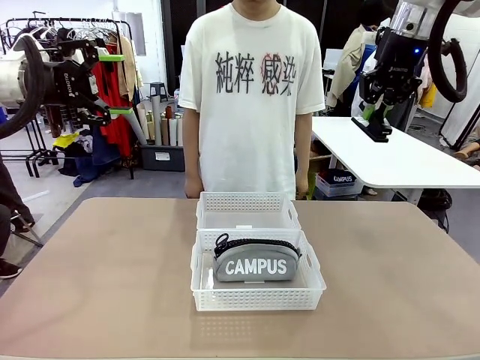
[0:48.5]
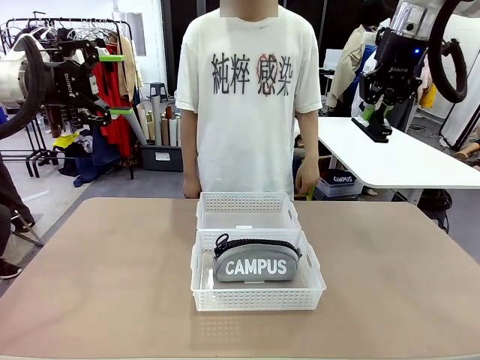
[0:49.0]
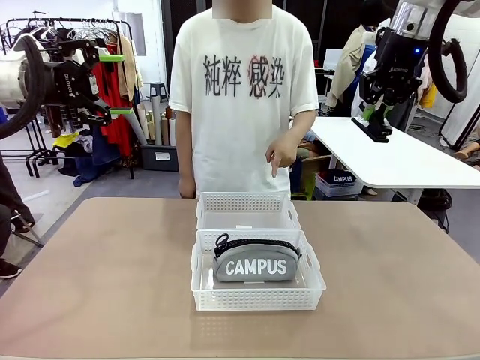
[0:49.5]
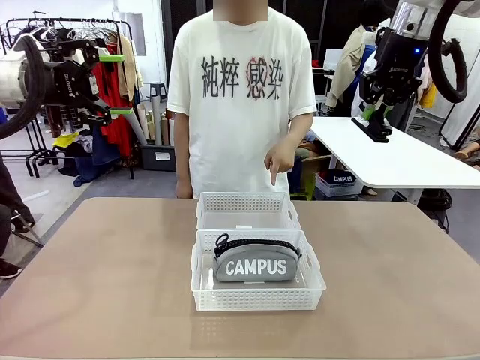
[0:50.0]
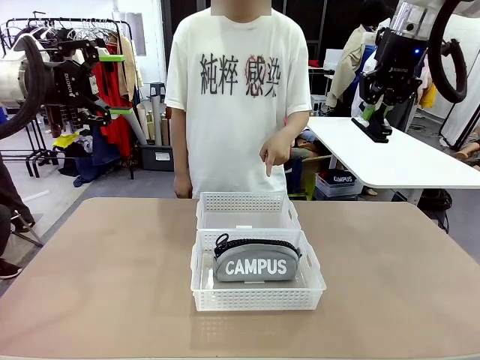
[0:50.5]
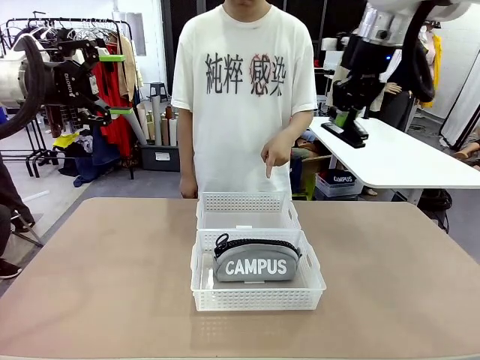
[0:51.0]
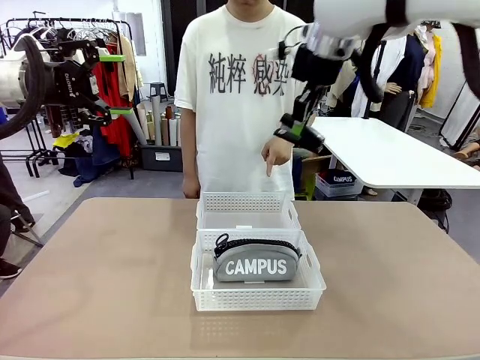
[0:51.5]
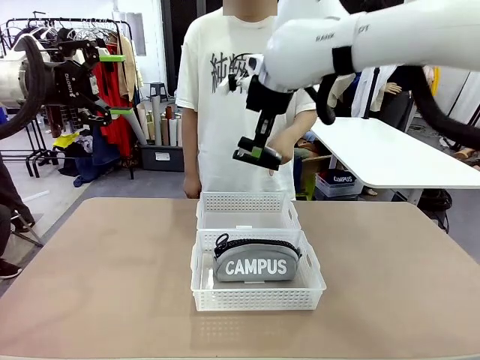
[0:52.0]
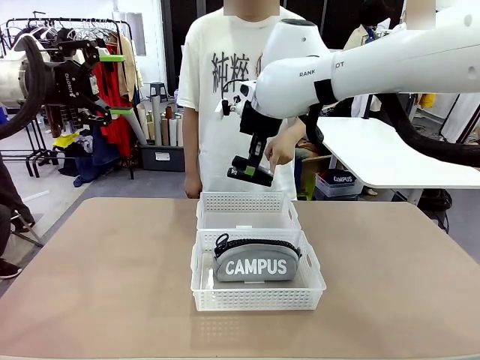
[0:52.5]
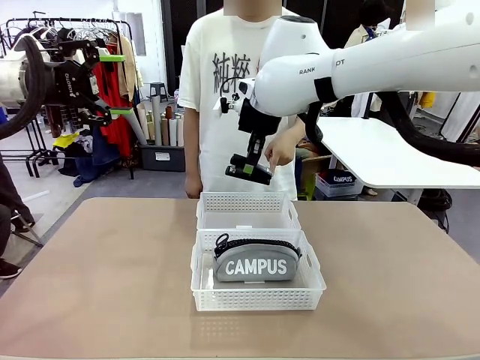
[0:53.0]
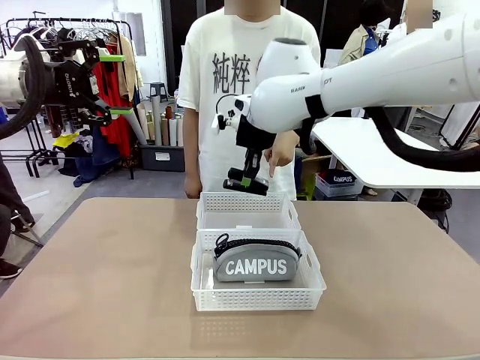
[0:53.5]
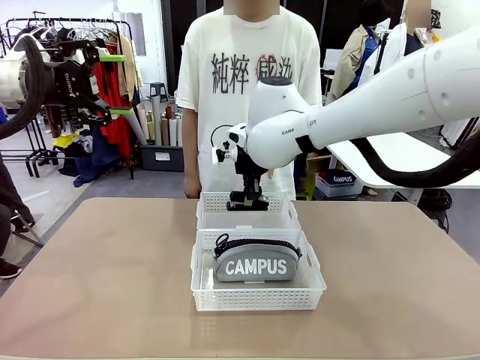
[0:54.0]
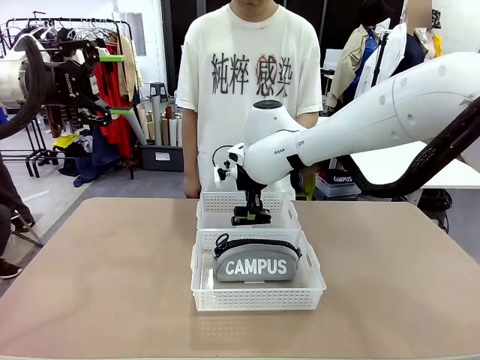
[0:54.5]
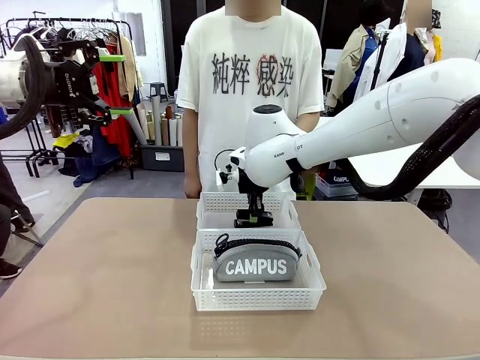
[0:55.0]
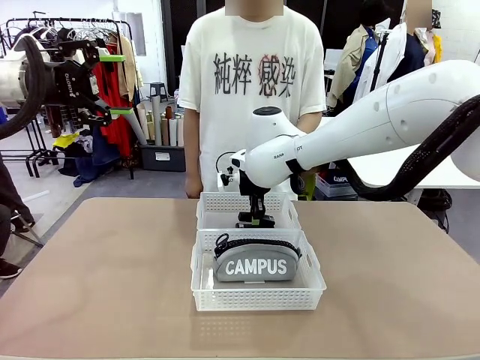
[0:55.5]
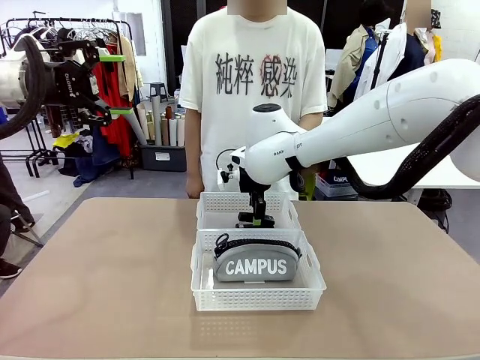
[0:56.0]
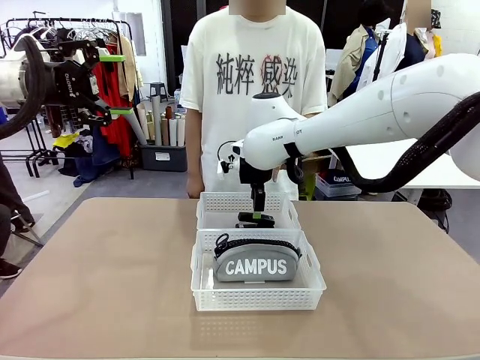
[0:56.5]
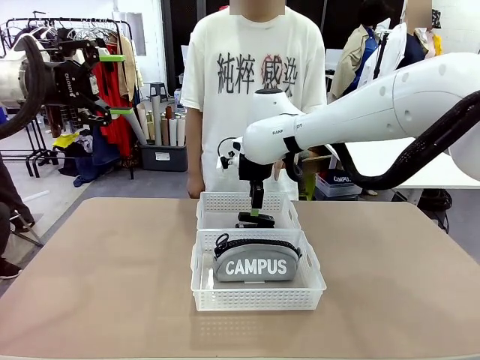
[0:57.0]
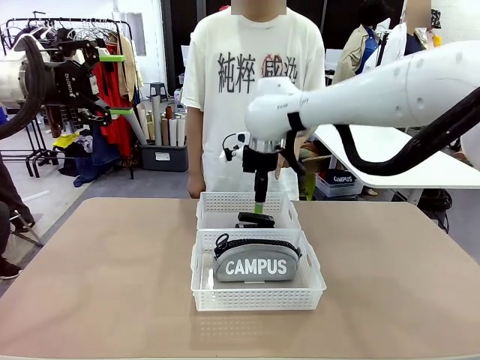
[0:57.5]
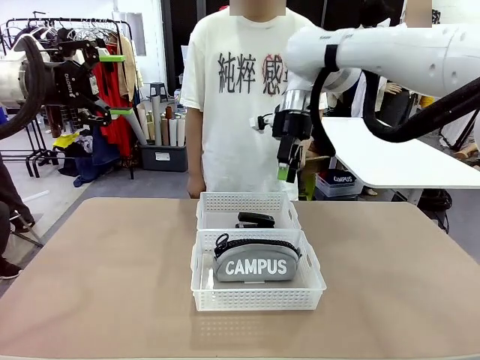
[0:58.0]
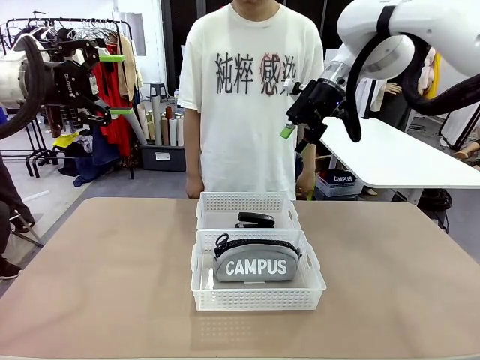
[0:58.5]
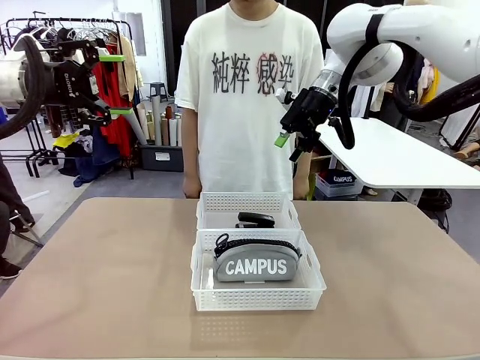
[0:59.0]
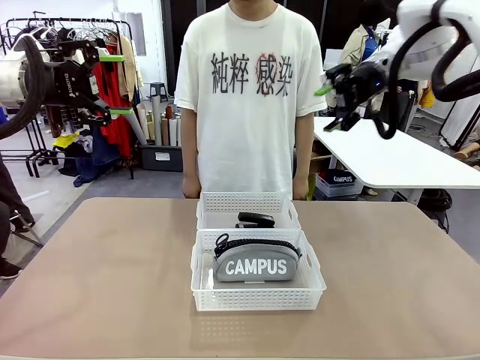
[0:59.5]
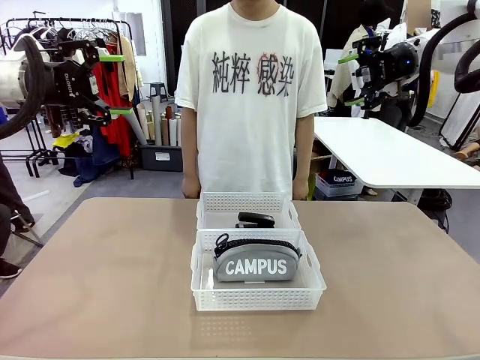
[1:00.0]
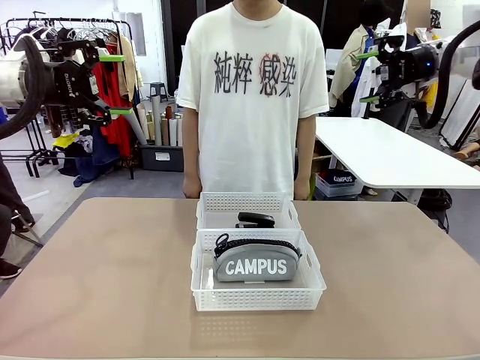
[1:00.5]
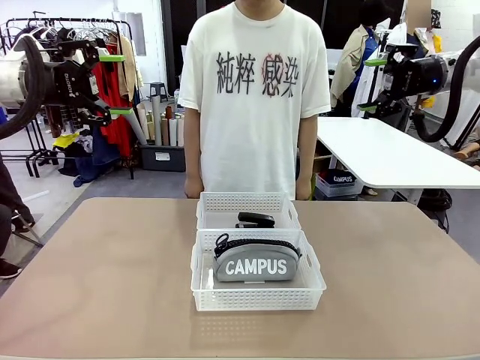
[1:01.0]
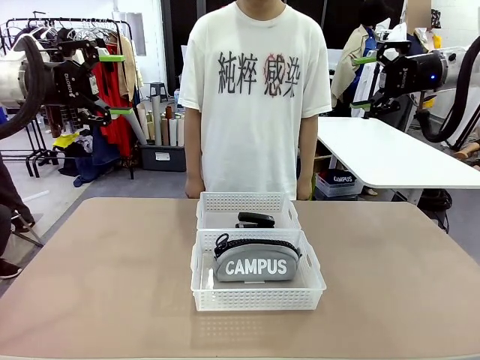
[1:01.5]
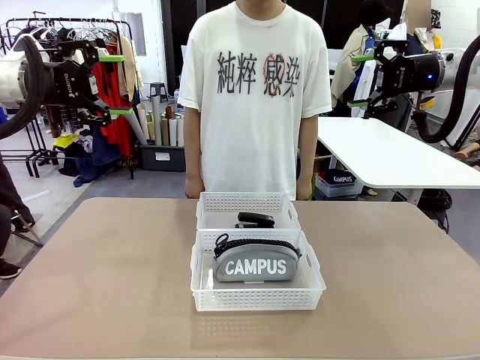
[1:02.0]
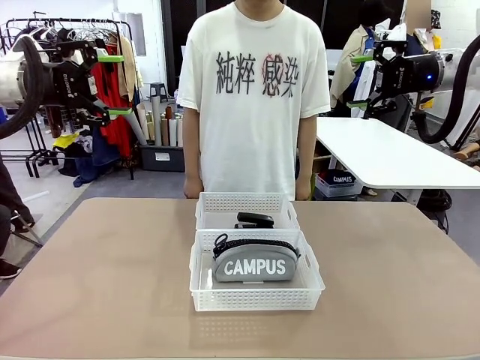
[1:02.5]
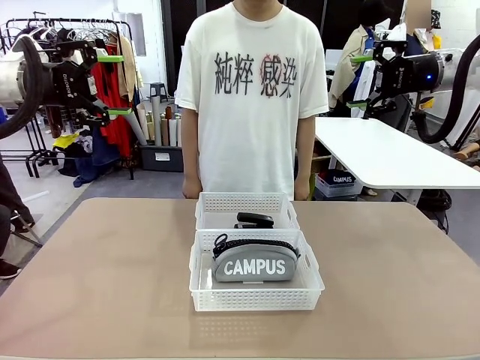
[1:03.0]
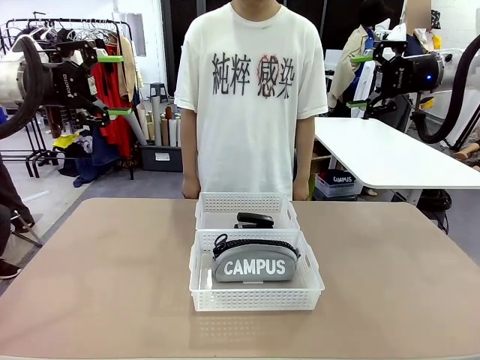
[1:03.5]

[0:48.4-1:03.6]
Task: Distribute items into two baskets.
Robot: Place the picked Stapler into the Organizing basket as instructed by the person.
Person: Points to the basket that does not contain the pencil case and instructs the robot to move the stapler there.
